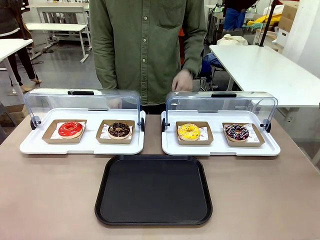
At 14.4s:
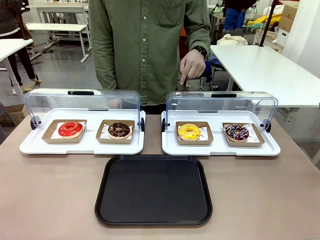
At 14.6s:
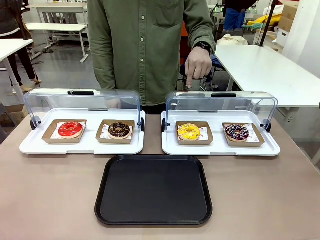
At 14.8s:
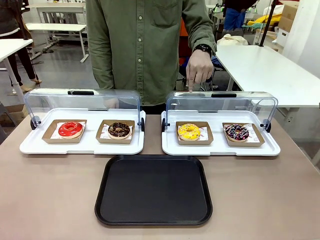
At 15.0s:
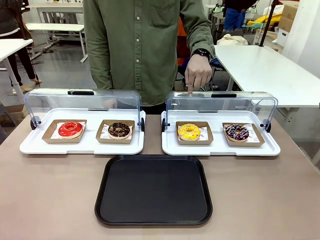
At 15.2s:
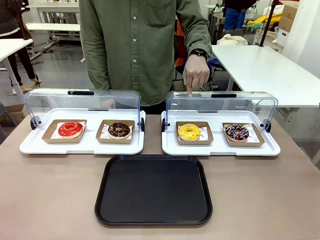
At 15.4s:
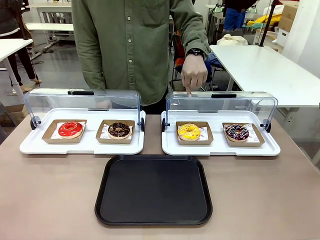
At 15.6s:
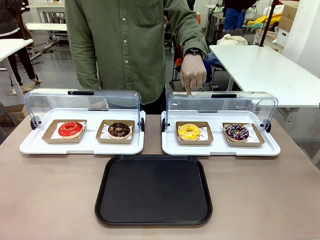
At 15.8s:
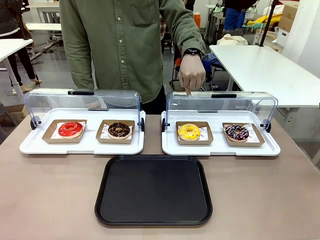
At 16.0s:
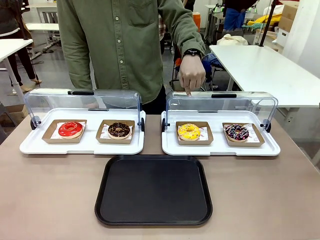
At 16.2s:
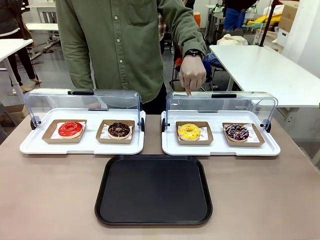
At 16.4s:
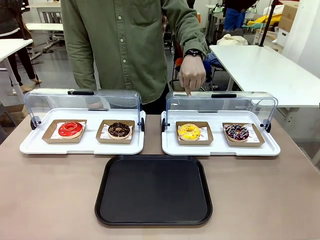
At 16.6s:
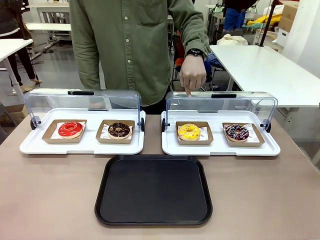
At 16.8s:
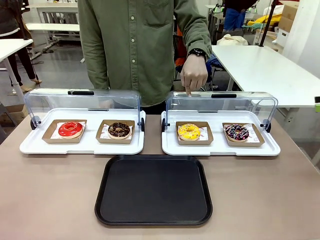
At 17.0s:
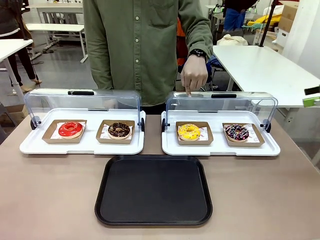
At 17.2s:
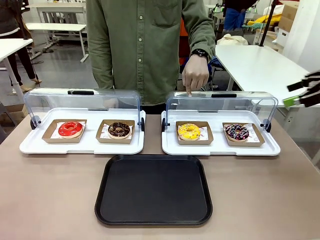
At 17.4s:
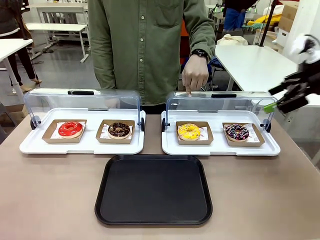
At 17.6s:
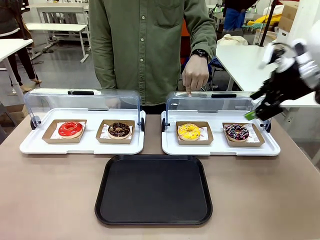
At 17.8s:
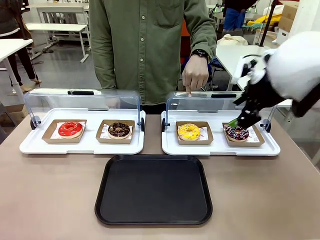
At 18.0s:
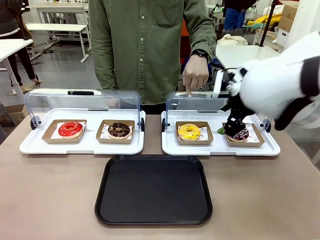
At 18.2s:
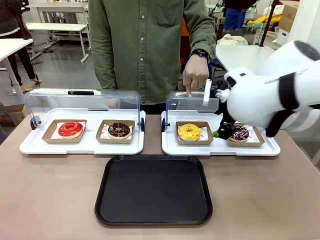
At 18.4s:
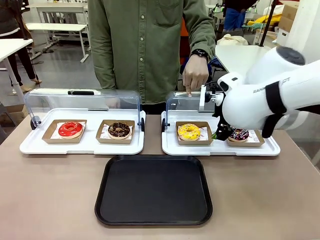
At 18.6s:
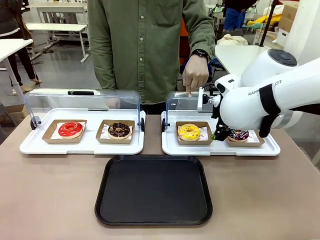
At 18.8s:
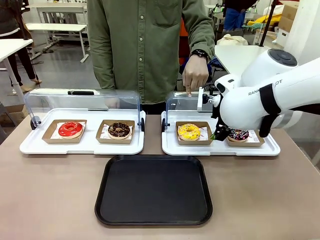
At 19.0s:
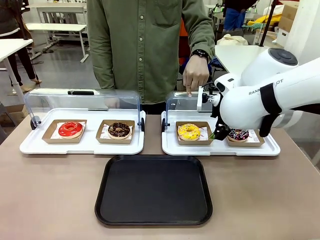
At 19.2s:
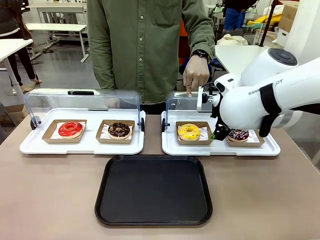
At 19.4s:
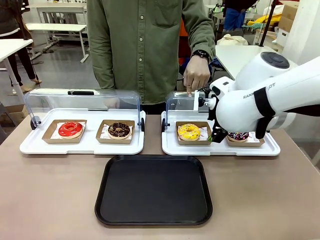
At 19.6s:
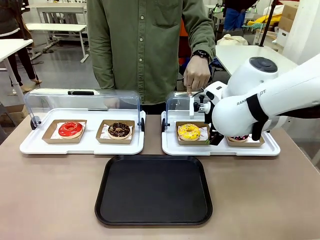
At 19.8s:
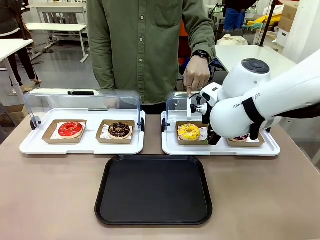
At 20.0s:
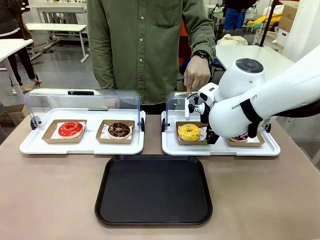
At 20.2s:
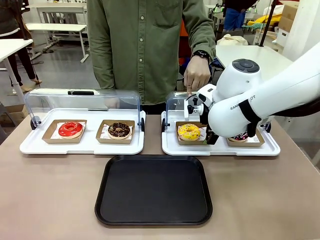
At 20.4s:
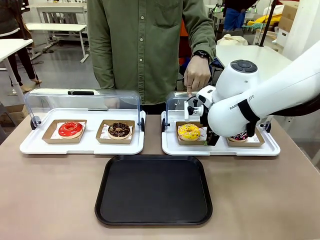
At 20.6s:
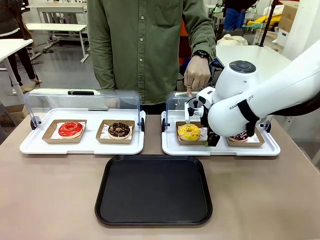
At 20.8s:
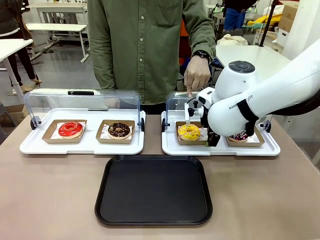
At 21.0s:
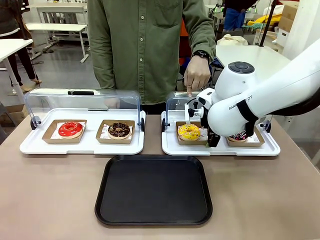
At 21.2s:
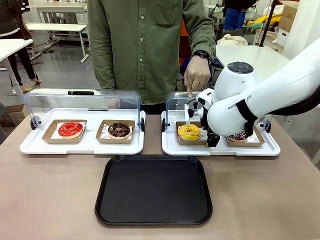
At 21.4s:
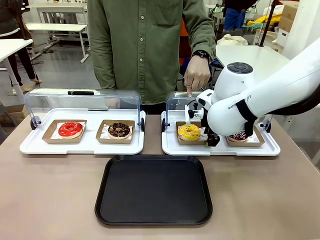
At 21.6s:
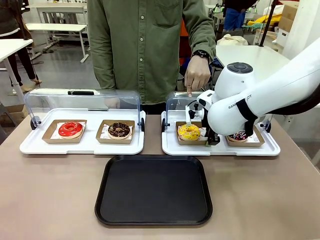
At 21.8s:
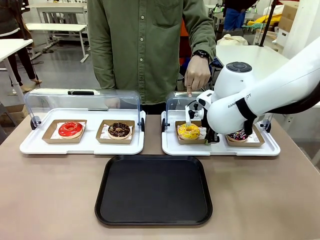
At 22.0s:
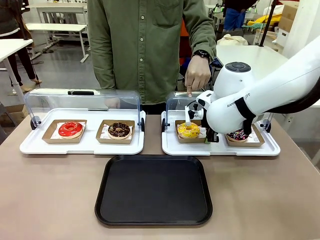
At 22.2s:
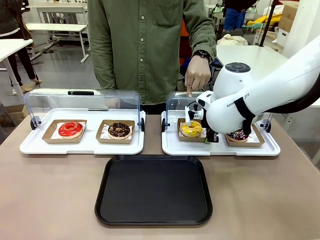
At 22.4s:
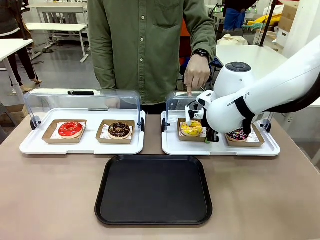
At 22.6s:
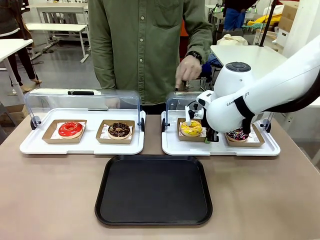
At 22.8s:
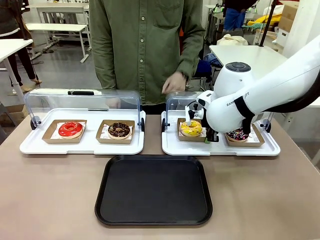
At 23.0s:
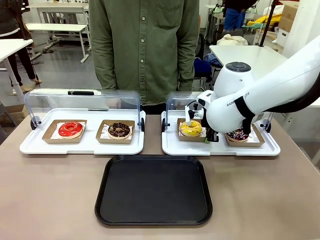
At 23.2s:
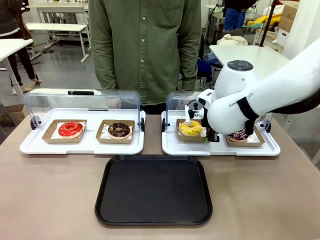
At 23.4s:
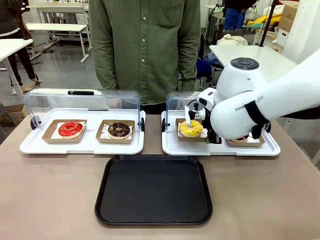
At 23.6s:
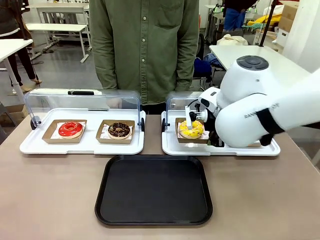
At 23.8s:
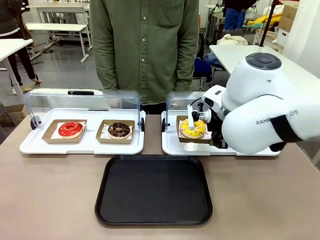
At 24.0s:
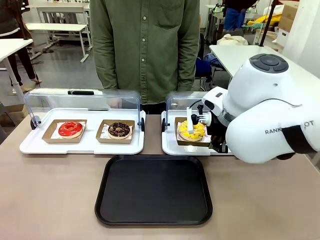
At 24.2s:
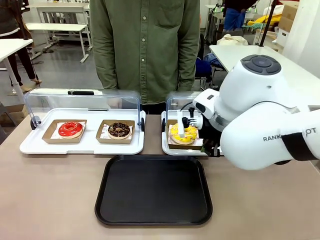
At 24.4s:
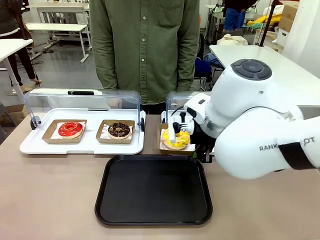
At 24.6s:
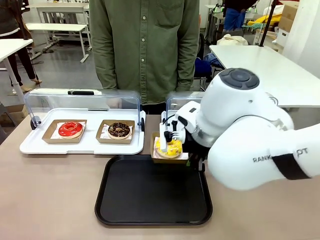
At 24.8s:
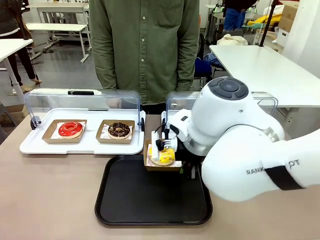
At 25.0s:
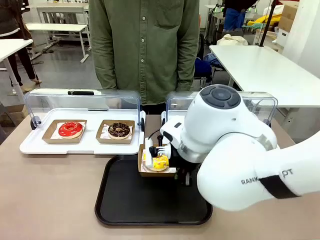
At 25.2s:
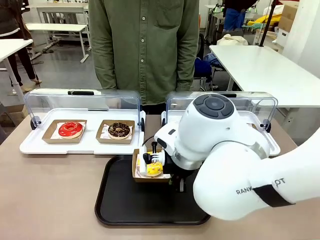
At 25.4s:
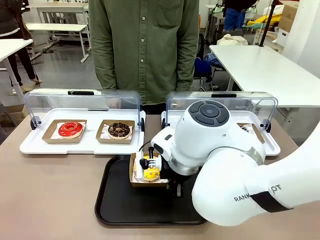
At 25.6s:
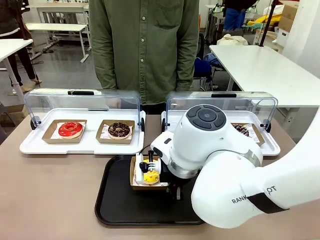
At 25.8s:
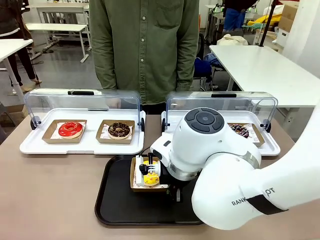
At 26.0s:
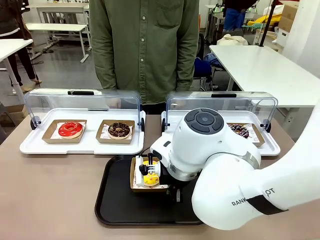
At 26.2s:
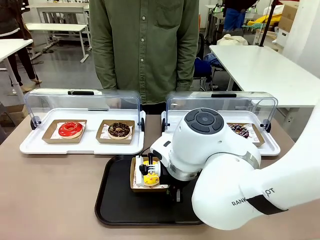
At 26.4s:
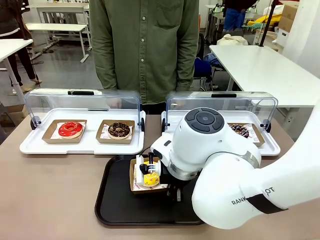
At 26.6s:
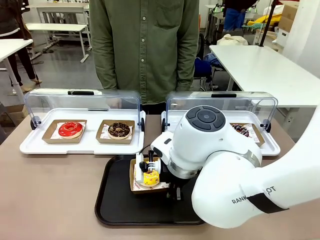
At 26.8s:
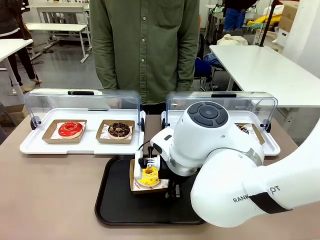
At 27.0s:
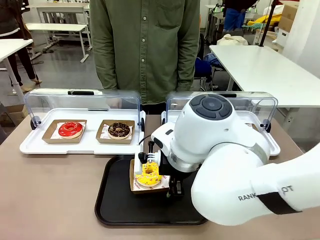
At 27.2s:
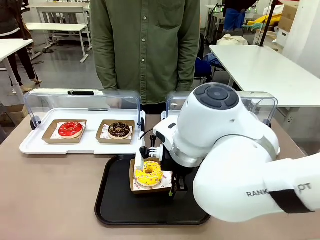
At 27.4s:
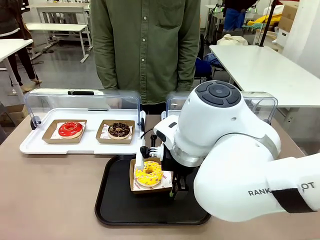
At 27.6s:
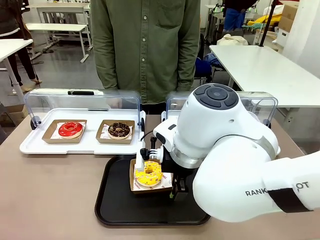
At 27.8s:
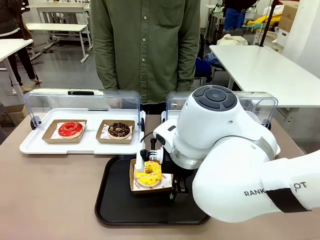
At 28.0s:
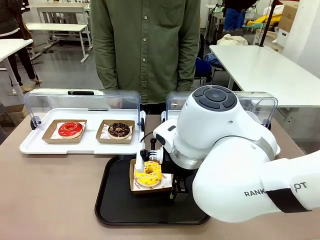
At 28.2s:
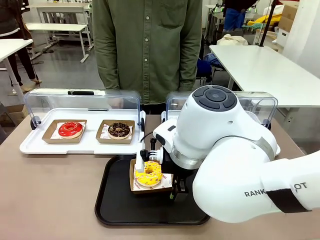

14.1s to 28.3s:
Task: Move the third donut from the left to the tray.
Robot: Pick up the Paper togo box containing the Donut indicated by the person and place it on the Handle tray.
Person: Points to the third donut from the left from the robot’s perspective.
